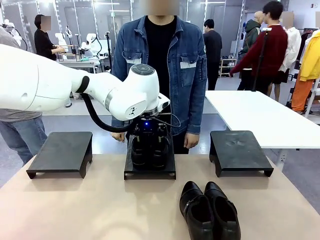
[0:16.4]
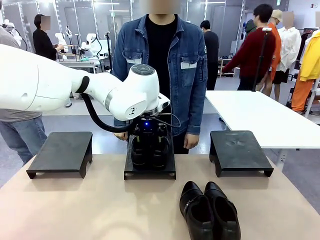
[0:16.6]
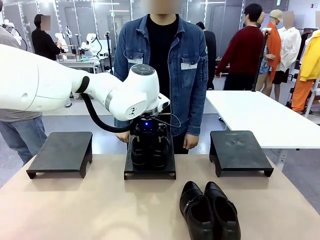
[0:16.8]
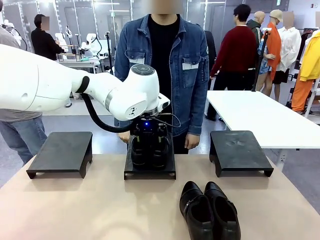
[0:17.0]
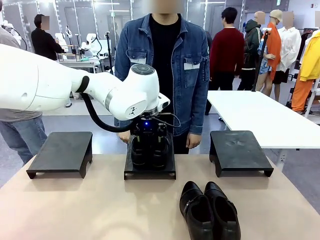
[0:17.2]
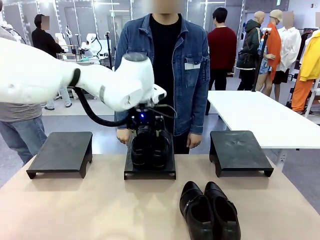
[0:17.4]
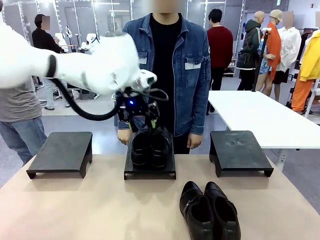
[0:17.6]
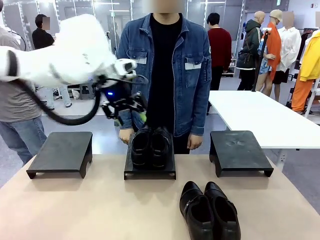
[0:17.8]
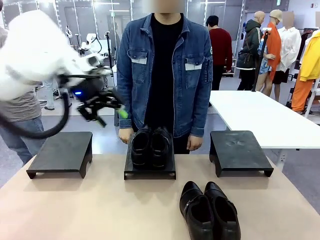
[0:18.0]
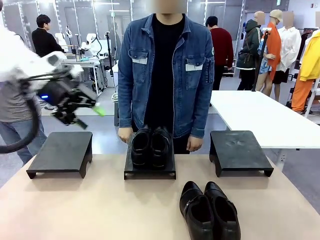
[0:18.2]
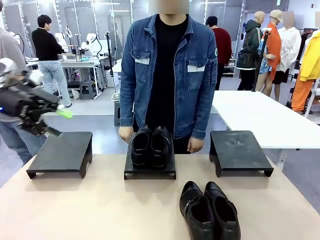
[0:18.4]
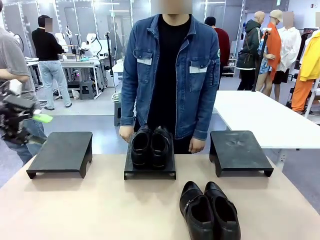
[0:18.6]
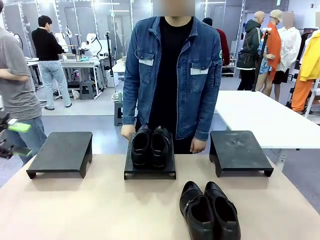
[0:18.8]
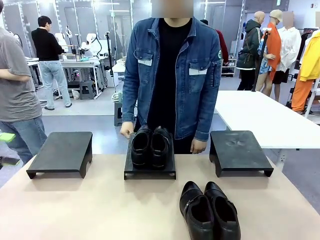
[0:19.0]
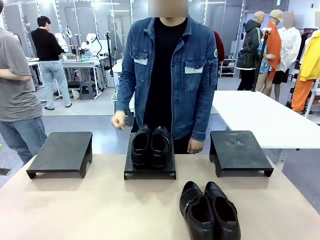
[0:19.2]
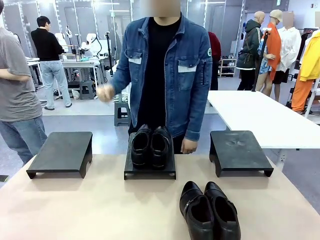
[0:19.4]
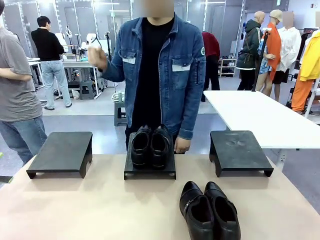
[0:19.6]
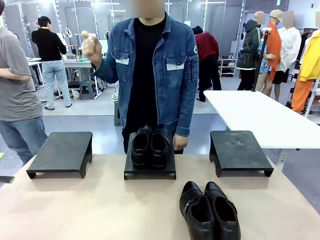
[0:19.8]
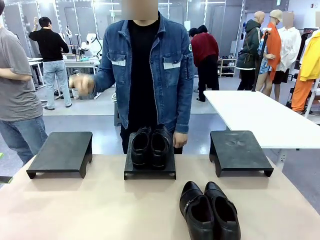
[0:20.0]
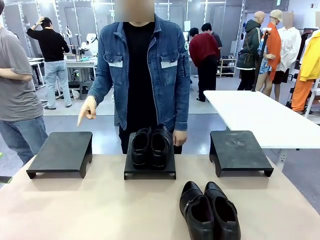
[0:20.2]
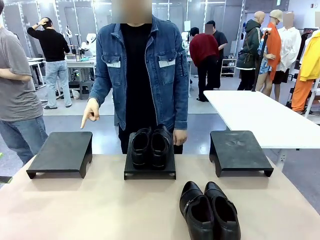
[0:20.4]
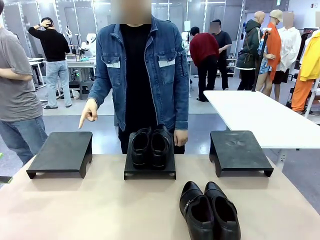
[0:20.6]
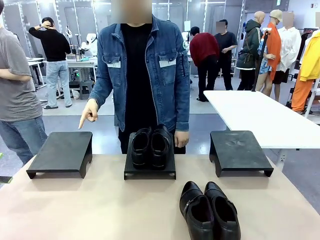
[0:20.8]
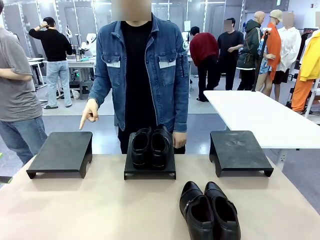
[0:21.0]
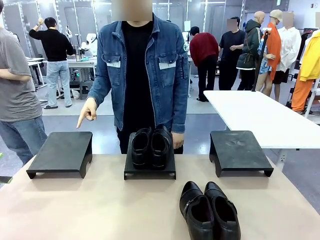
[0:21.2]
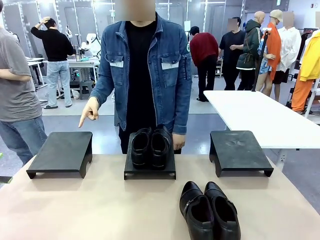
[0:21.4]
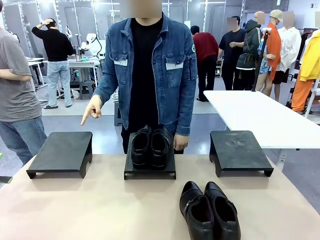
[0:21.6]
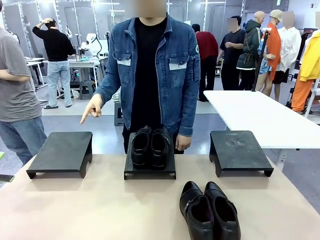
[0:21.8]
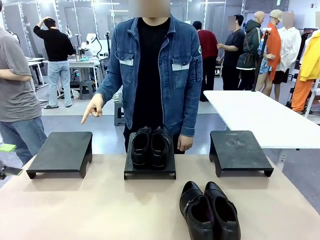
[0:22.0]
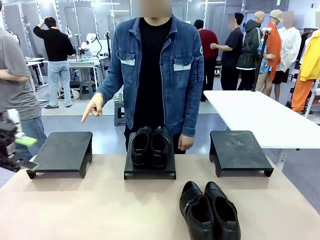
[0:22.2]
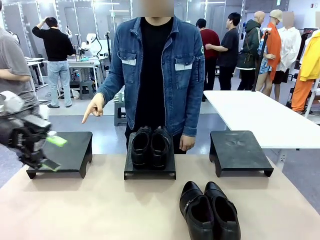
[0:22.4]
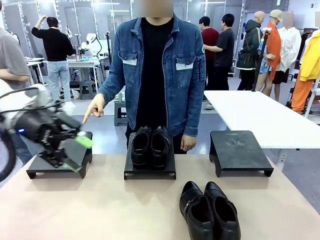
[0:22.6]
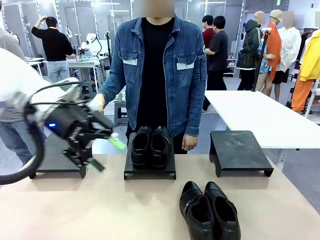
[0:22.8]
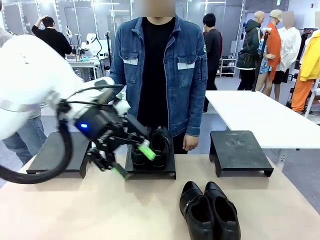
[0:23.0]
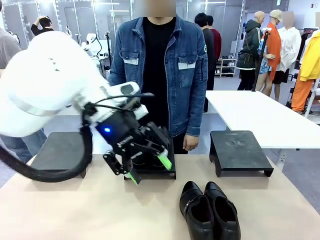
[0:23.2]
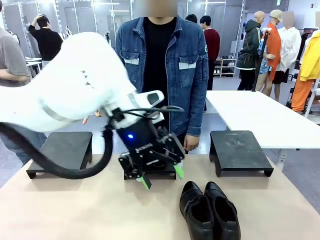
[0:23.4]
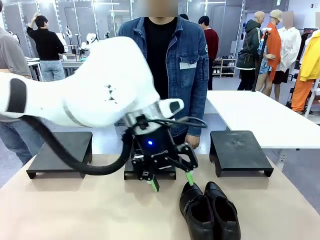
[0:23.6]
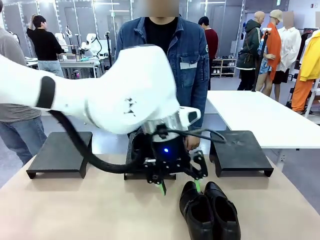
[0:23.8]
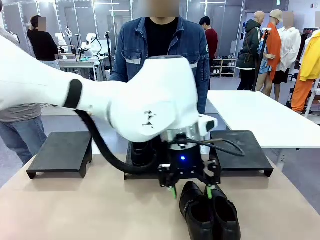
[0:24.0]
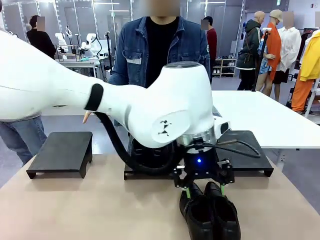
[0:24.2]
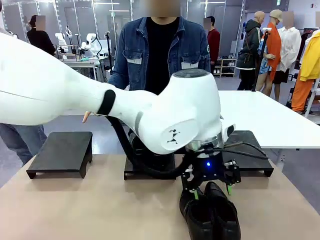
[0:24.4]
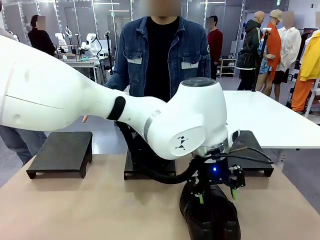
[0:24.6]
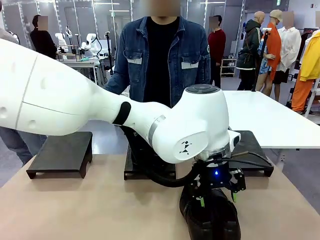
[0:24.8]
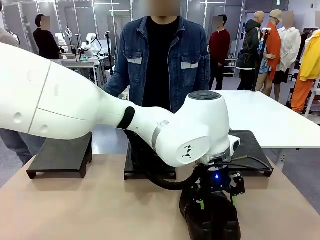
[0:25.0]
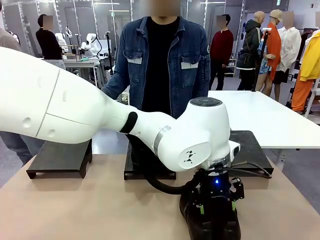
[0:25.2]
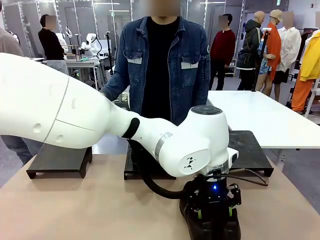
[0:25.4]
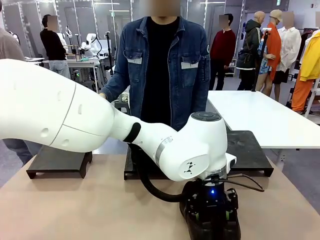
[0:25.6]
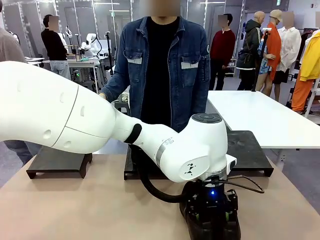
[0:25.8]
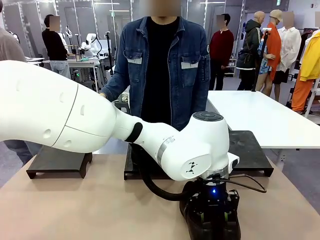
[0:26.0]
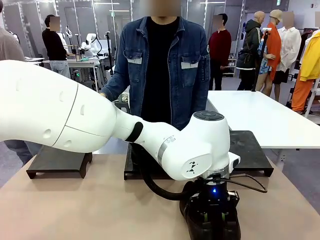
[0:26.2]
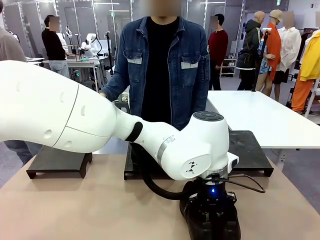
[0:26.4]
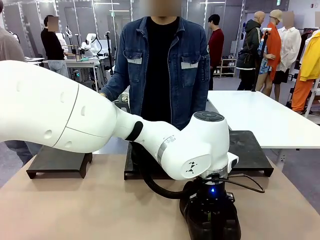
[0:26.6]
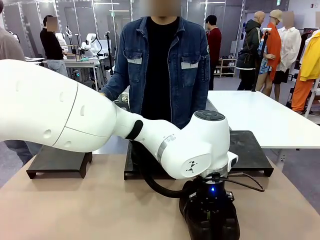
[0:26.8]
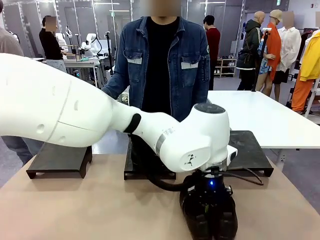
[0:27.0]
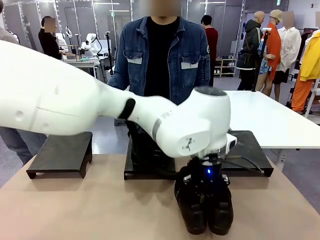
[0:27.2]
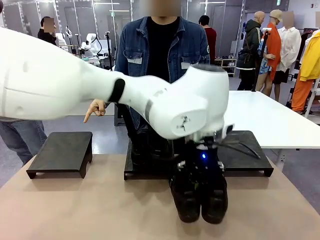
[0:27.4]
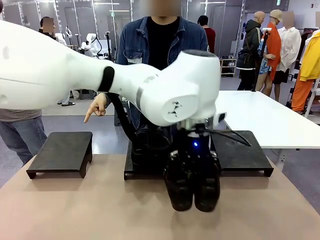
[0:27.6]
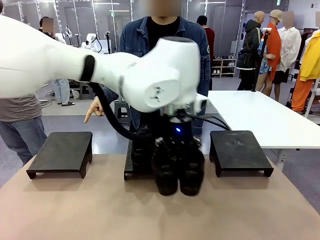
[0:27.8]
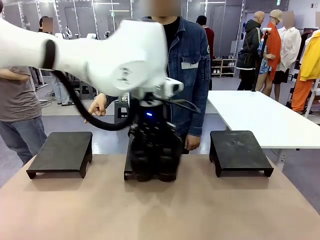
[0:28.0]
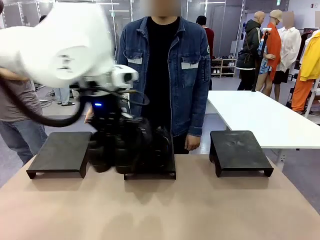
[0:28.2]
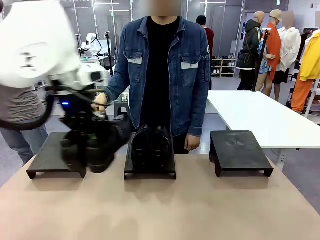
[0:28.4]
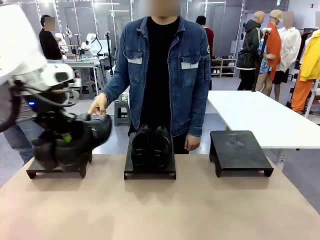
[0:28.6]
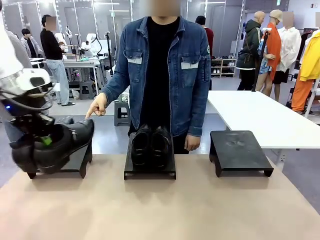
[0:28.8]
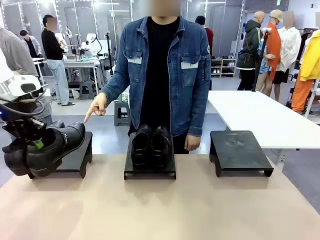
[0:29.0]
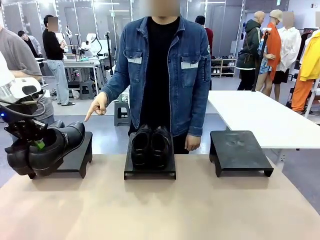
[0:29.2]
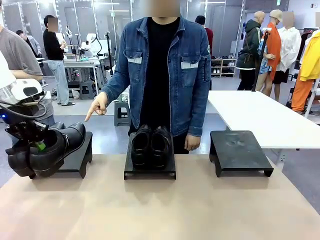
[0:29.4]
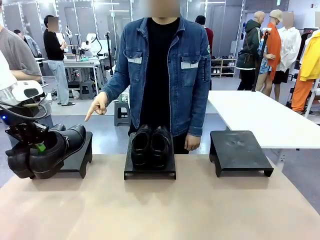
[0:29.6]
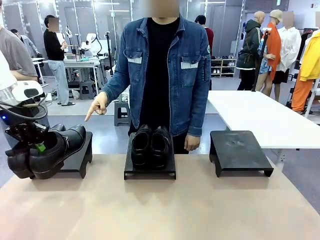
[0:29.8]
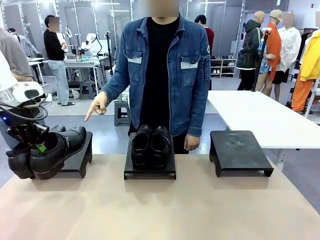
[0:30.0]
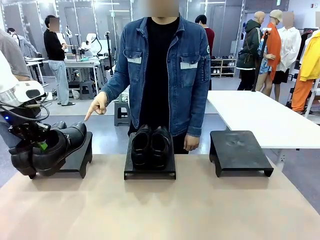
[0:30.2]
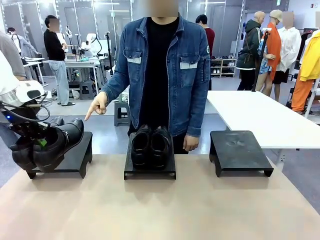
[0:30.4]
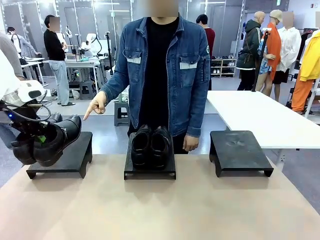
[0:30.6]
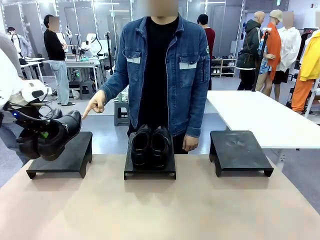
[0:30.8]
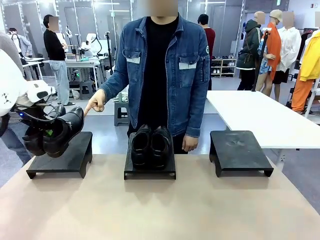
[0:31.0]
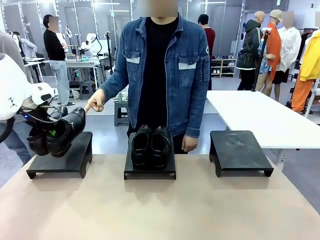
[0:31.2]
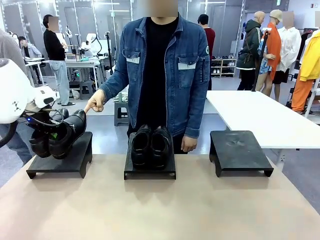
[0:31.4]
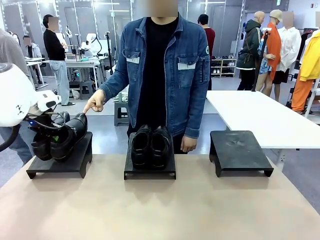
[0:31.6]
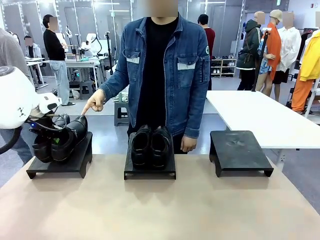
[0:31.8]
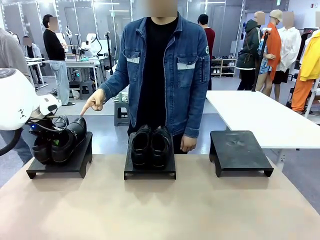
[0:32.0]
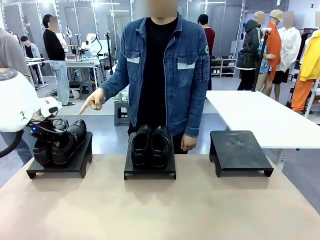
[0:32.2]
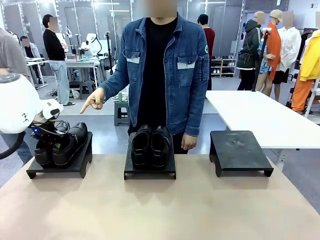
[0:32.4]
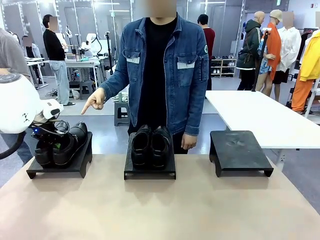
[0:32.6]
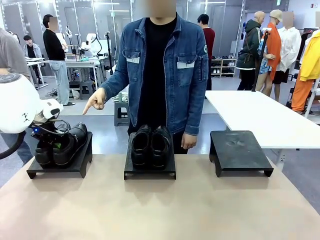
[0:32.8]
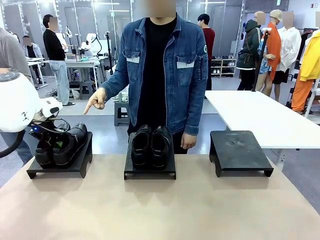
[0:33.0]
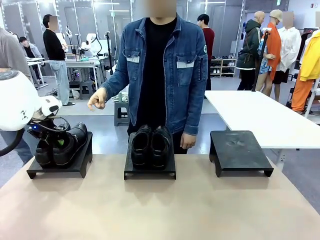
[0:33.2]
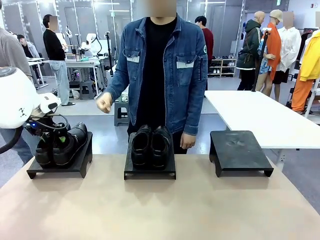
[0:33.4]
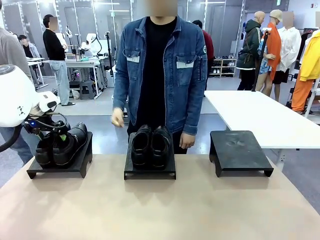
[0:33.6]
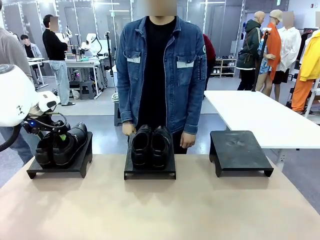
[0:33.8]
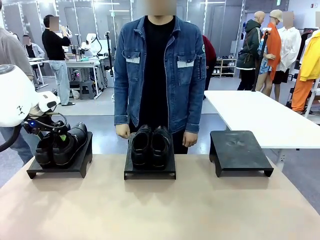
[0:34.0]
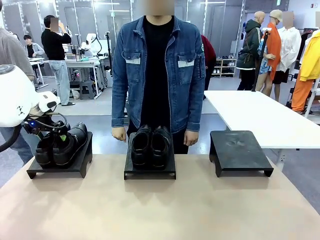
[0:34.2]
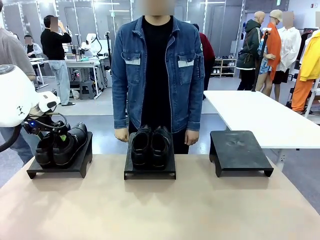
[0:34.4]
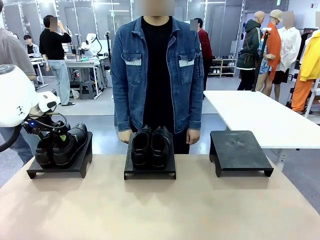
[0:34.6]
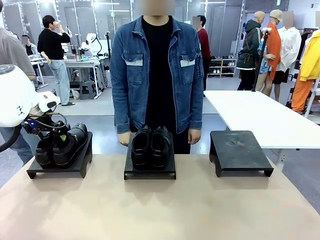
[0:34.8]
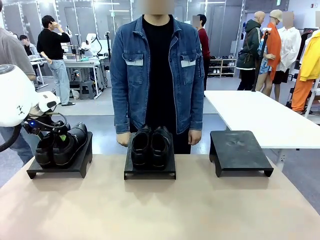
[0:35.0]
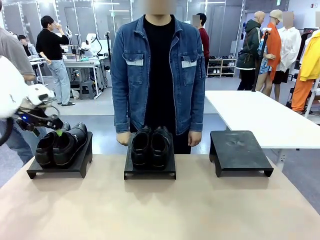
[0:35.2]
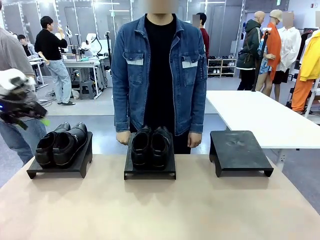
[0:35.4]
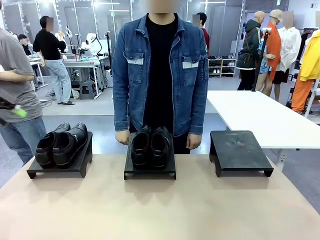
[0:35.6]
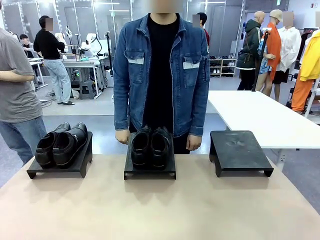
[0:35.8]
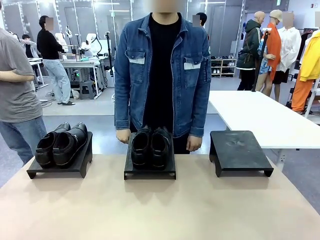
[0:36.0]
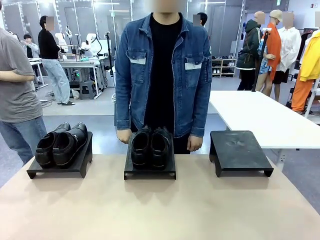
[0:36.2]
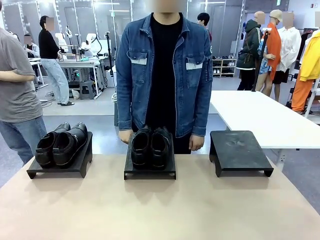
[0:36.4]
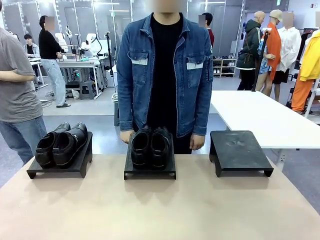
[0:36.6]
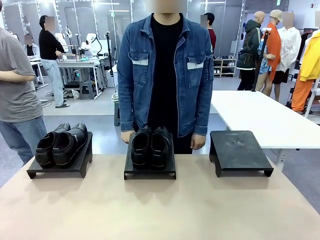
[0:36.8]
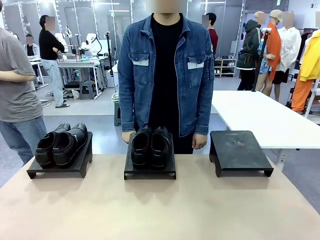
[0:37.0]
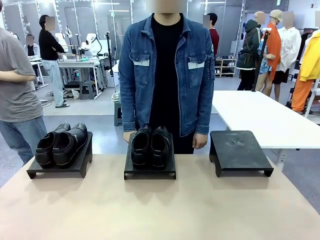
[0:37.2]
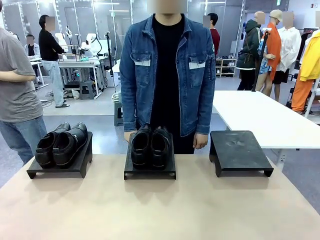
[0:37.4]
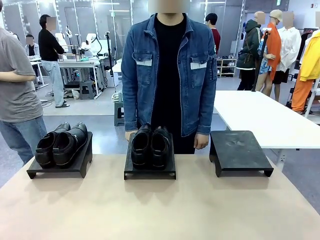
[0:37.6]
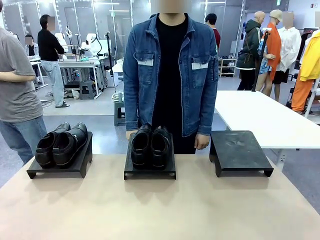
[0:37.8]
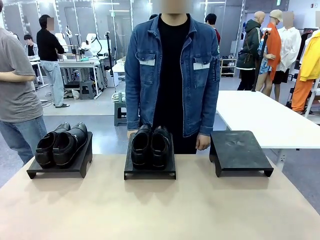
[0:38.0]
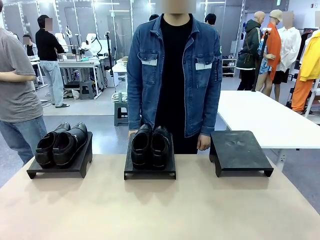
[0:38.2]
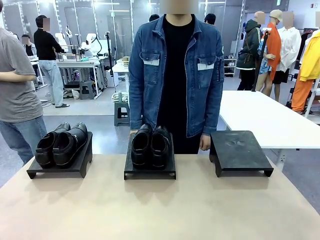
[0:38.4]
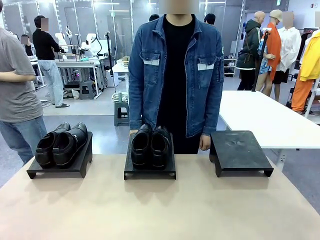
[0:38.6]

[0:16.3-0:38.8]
Task: Place the shoes on the stand as instructed by the person.
Robot: Pick up another pair of Shoes and place it on the Shoes Stand indicated by the person.
Person: Point to one Shoes Stand.
